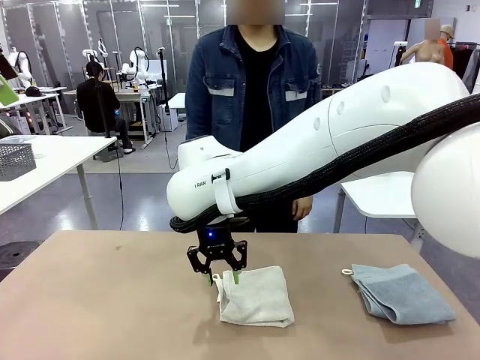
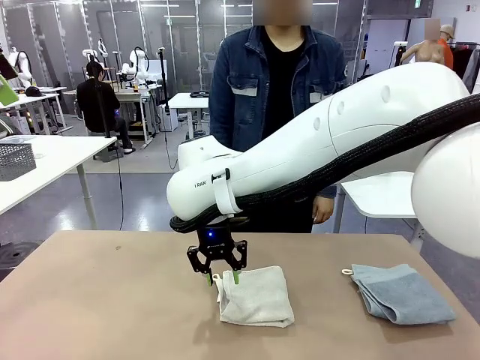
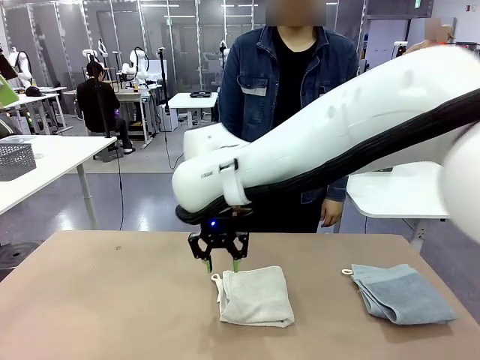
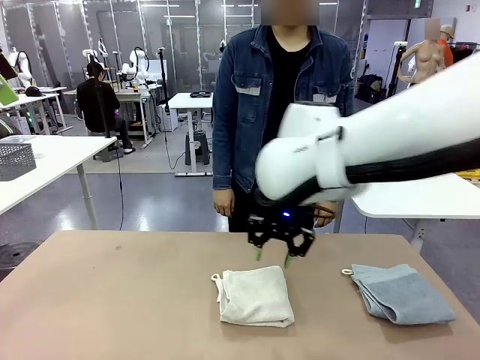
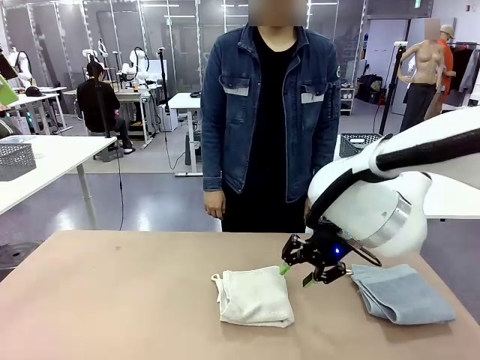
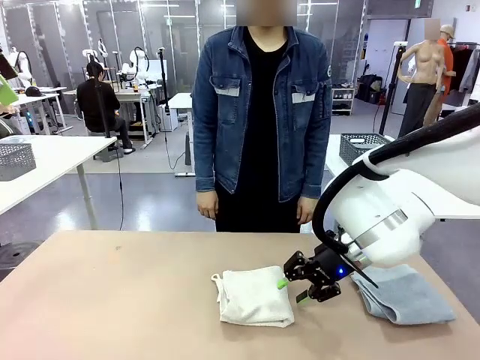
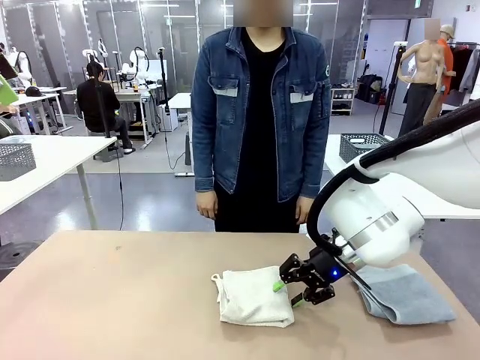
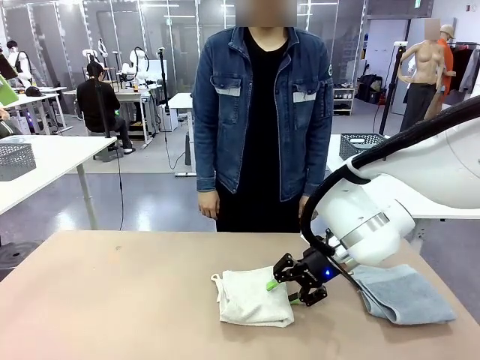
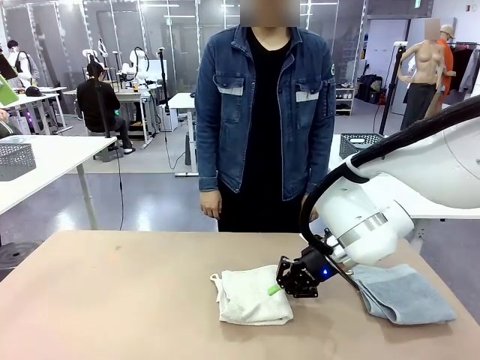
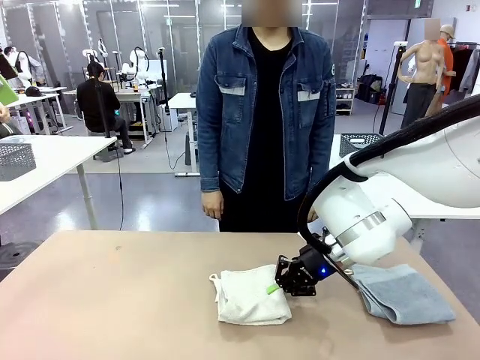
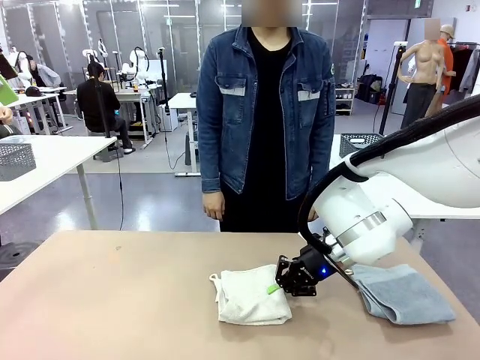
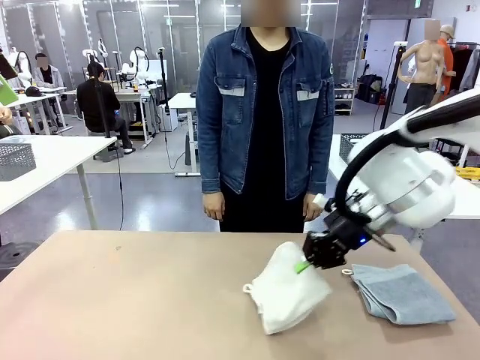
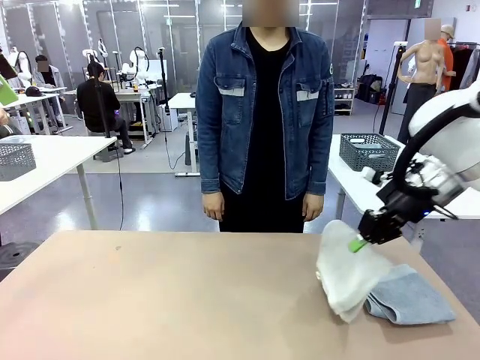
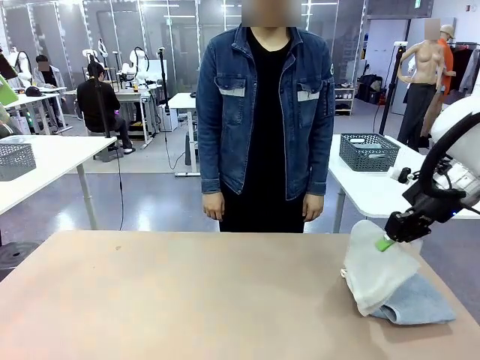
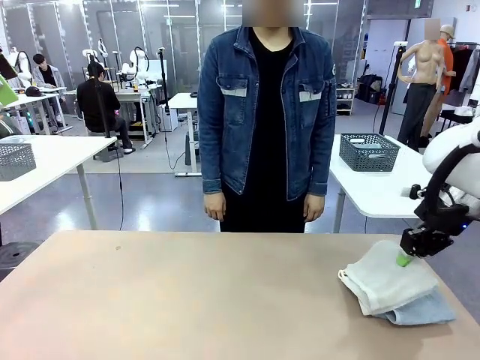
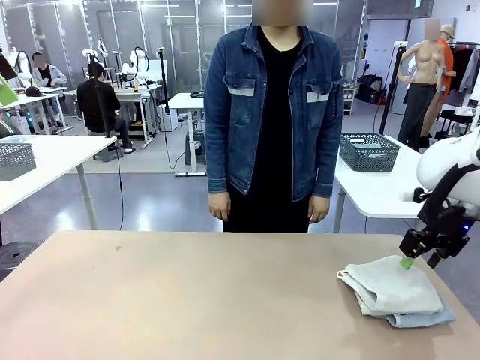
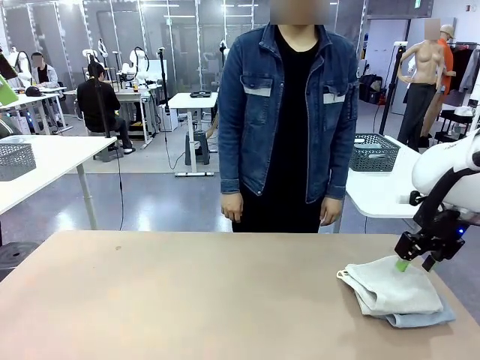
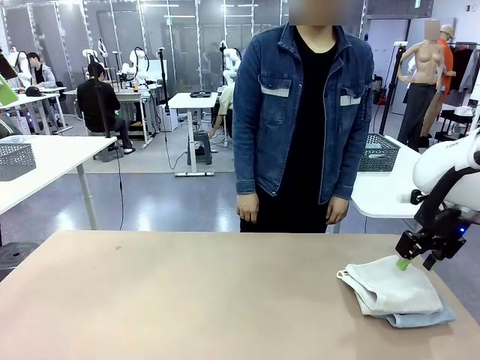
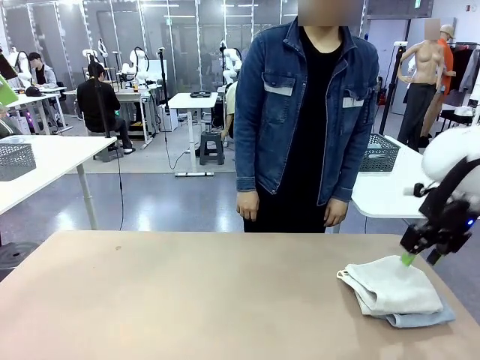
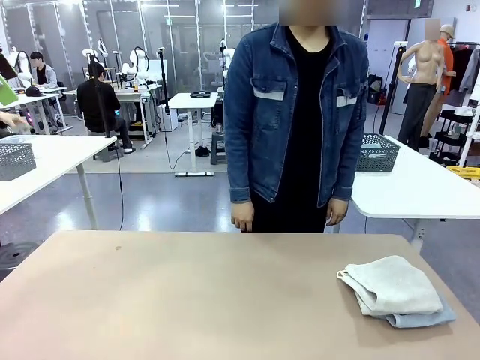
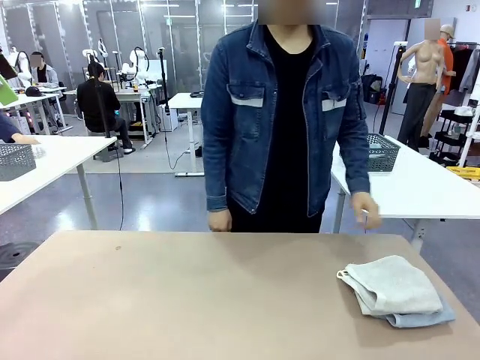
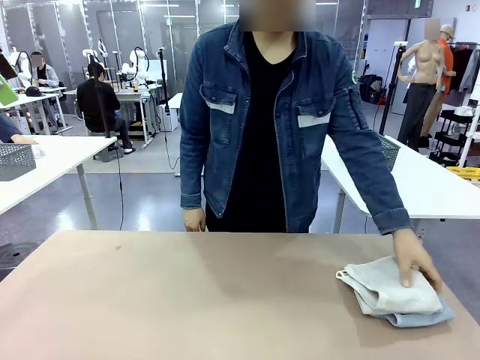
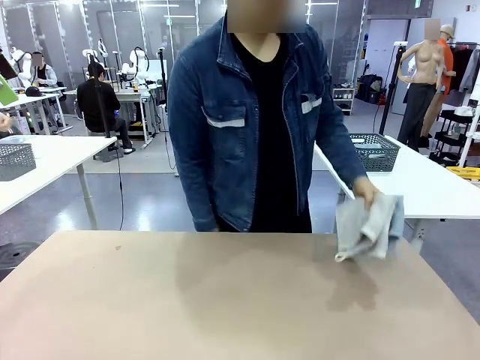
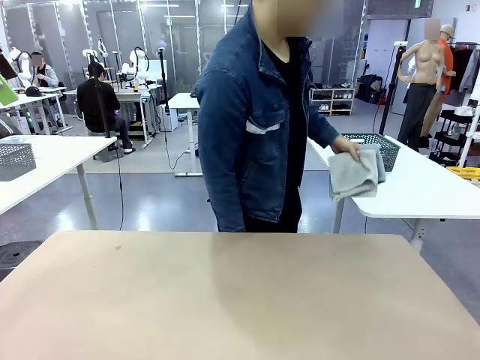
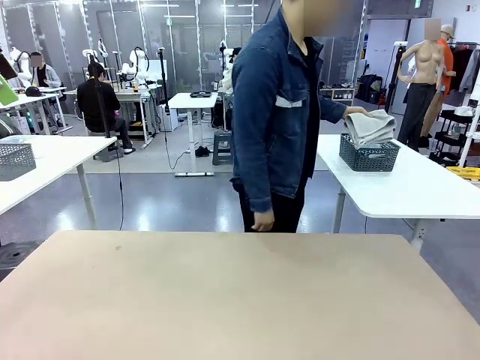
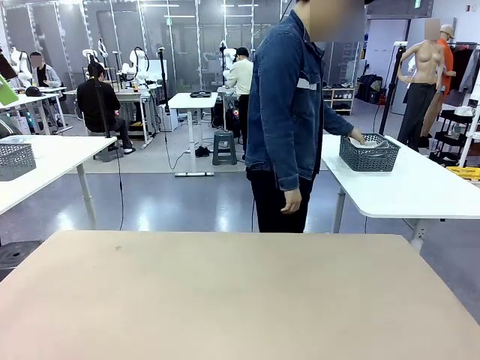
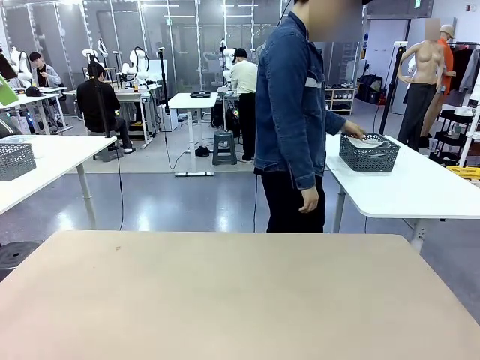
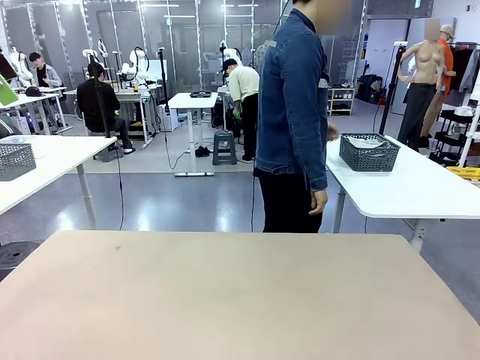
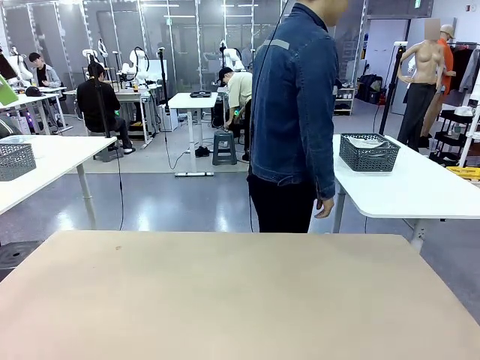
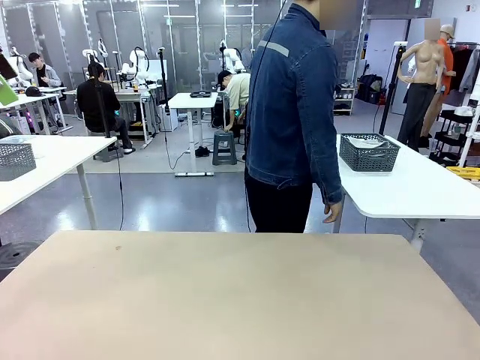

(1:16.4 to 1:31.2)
Task: Fold the towels and place them in the basket.
Robot: Stack the folded Towel with hook on the right side of the table.
Person: Pick up the stack of towels from the robot table and place it into the basket.

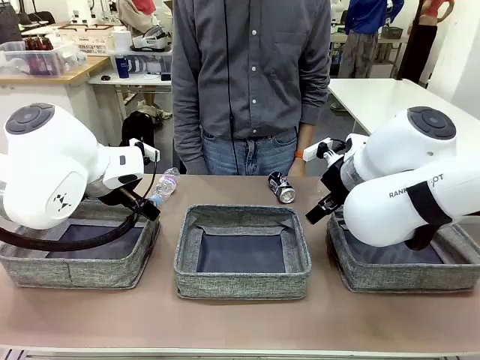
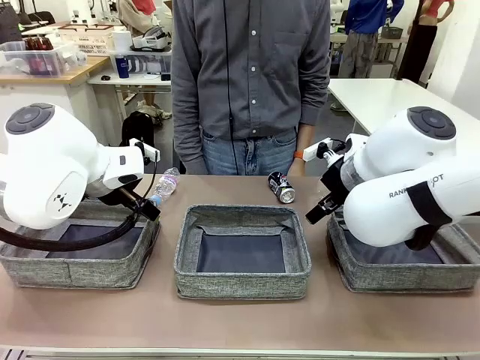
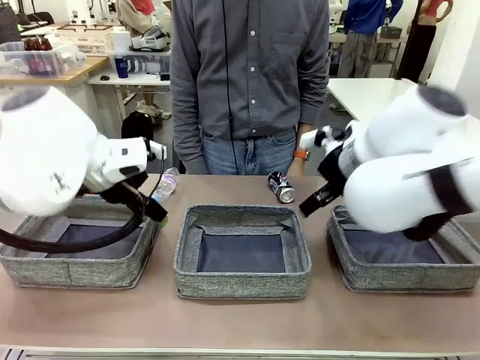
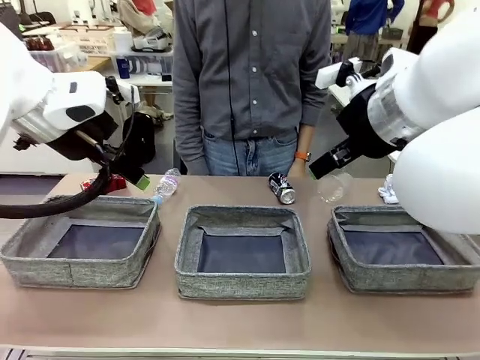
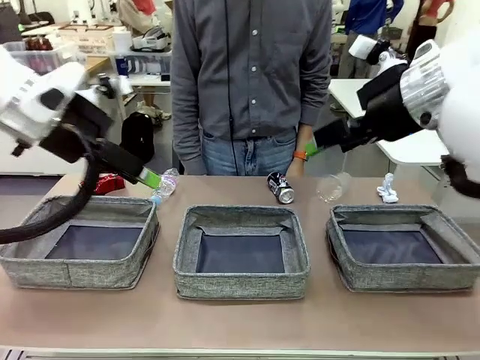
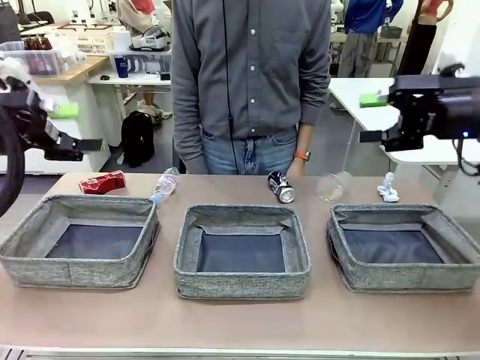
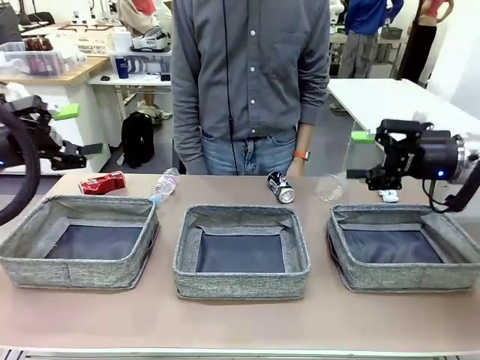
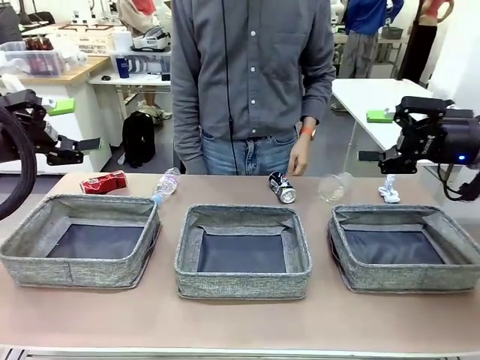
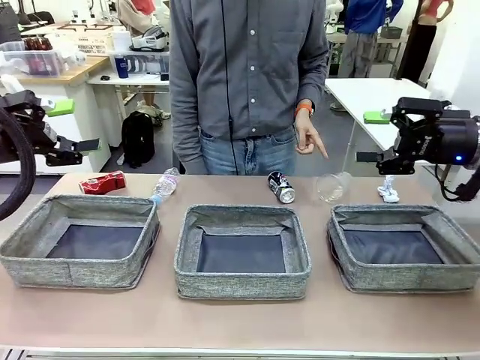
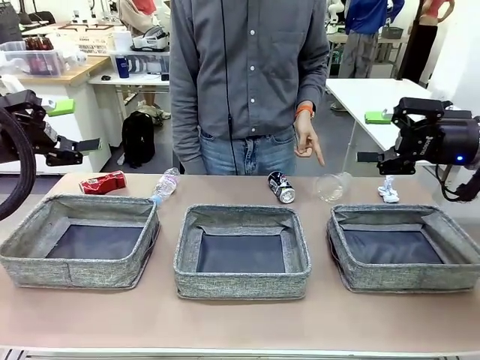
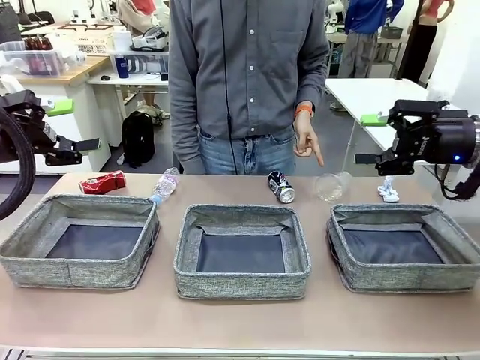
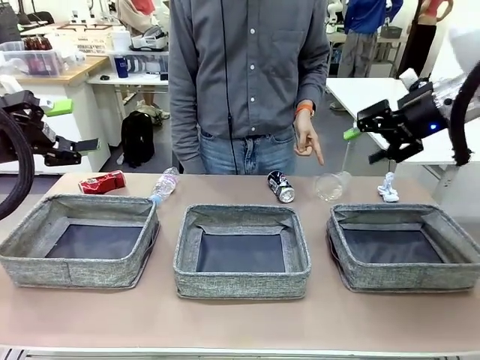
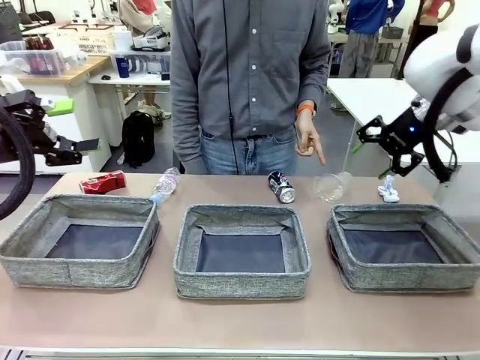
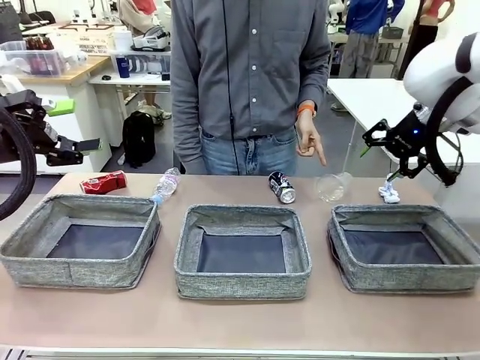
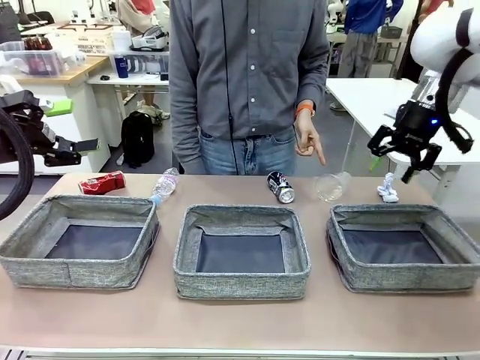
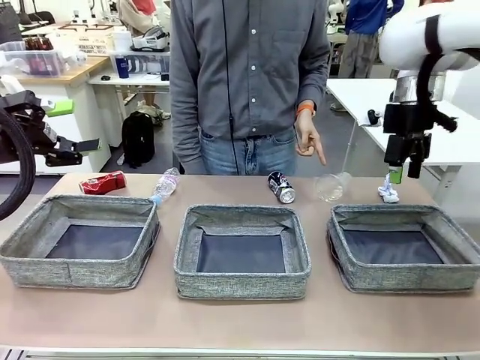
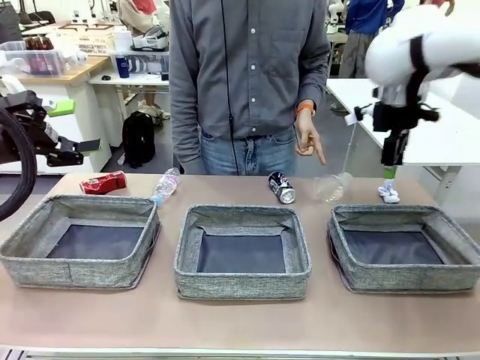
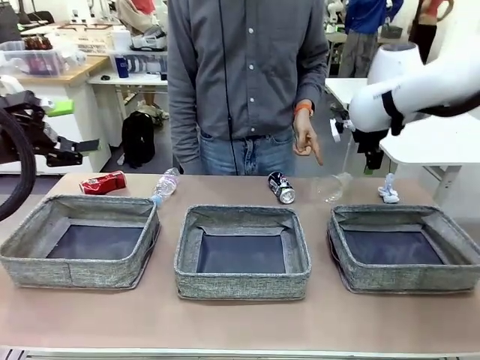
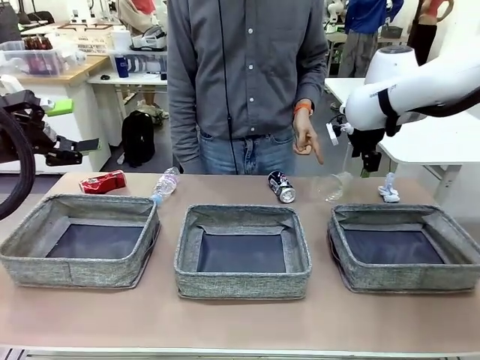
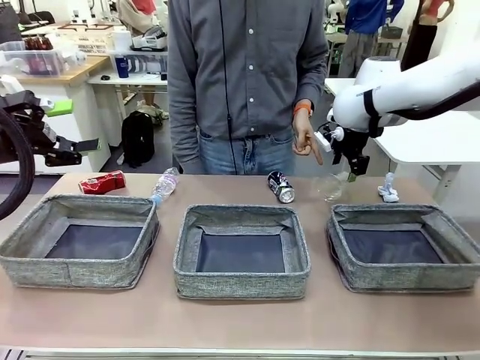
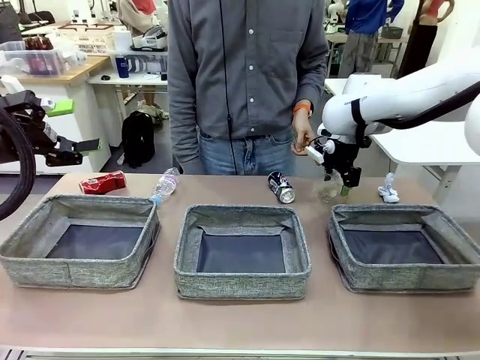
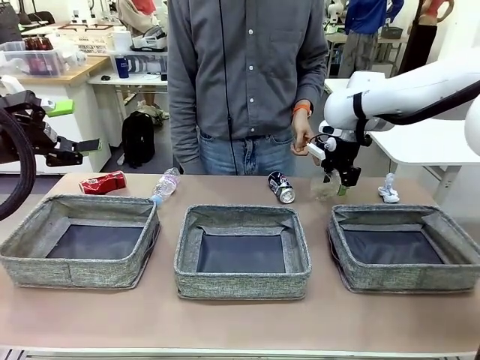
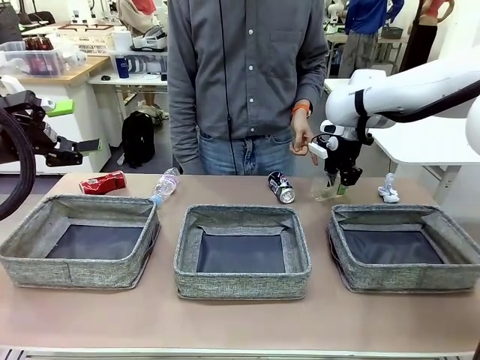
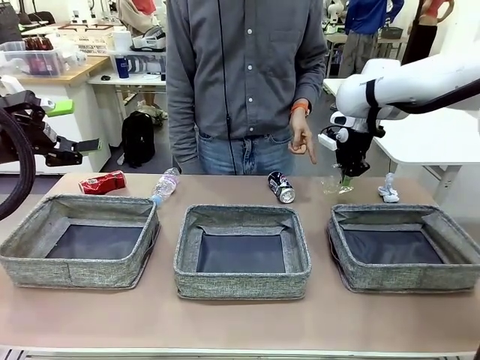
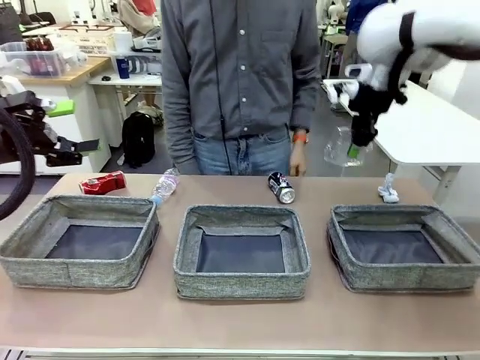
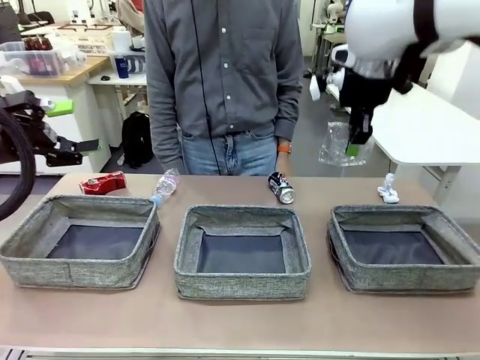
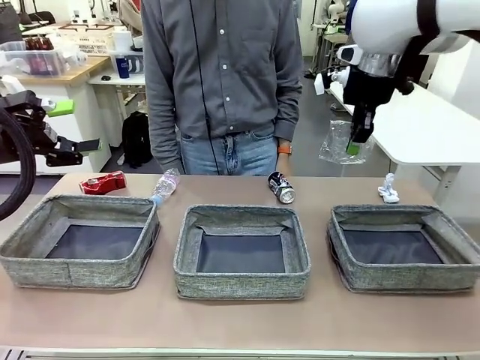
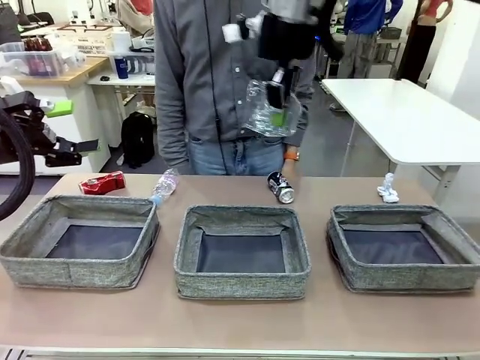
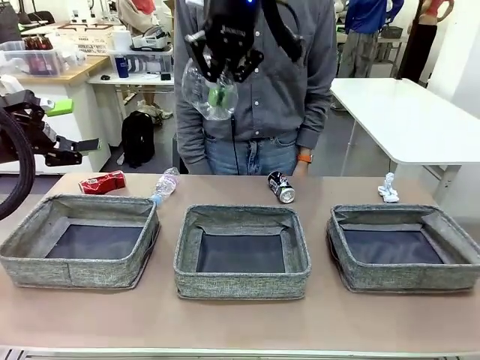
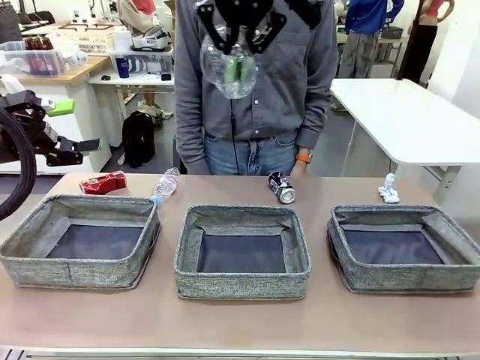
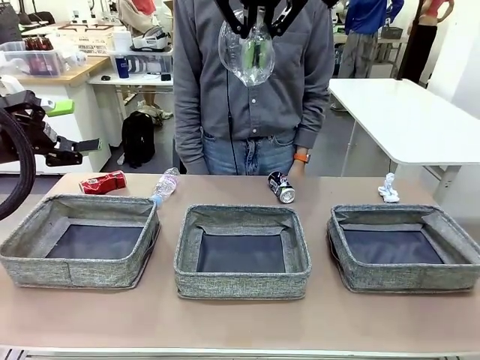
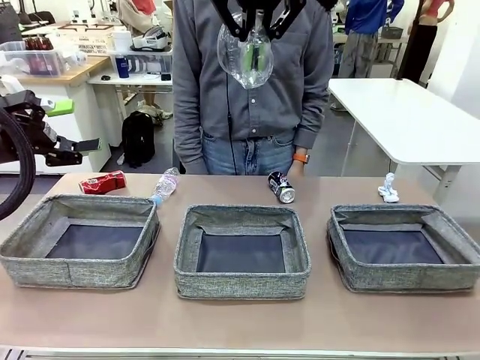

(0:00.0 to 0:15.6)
Task: Sort the waste into the appropriate baskets.
Robot: Pick up the waste item pointed out by the person.
Person: Points to one piece of trash on the table.
